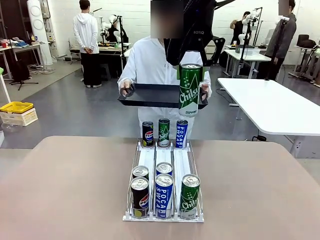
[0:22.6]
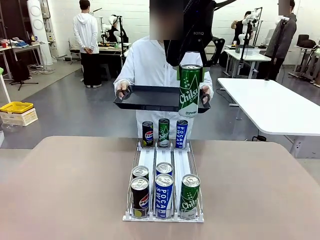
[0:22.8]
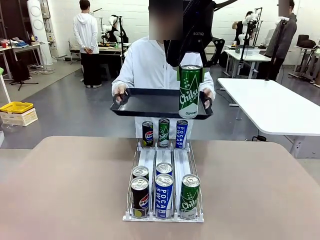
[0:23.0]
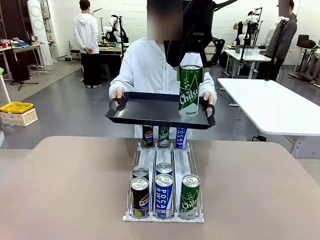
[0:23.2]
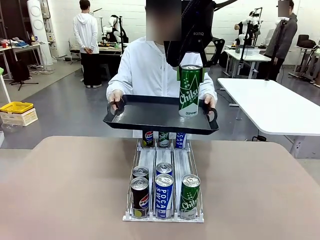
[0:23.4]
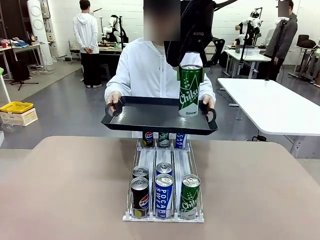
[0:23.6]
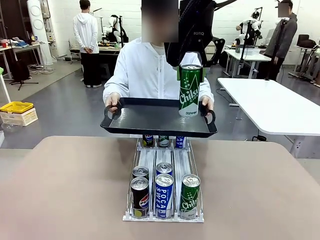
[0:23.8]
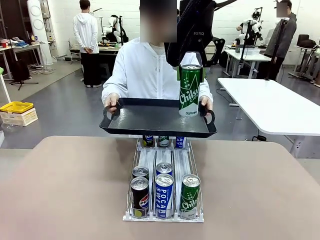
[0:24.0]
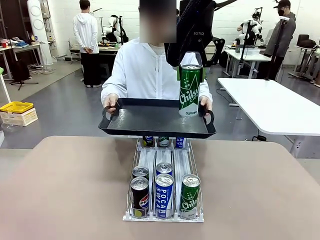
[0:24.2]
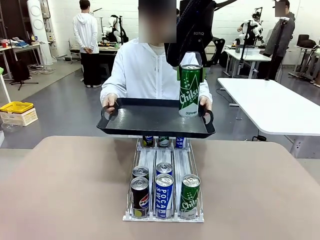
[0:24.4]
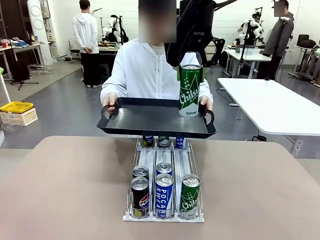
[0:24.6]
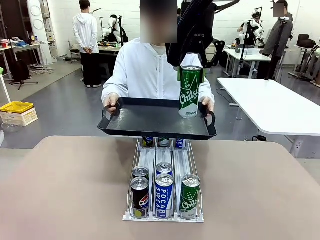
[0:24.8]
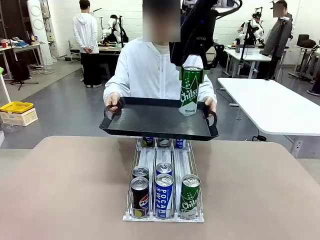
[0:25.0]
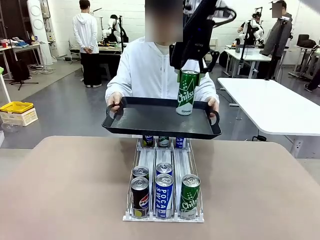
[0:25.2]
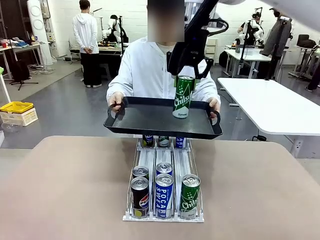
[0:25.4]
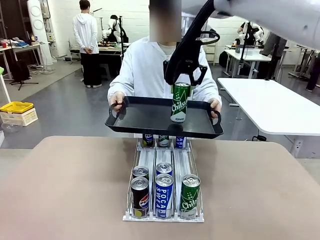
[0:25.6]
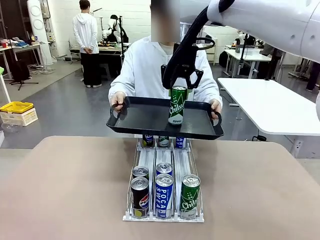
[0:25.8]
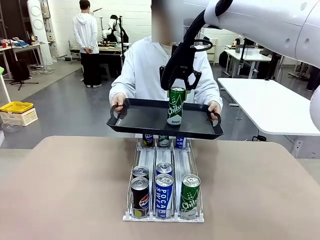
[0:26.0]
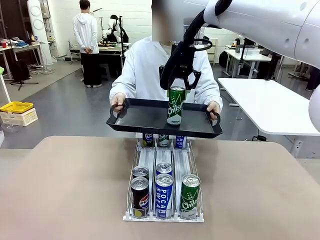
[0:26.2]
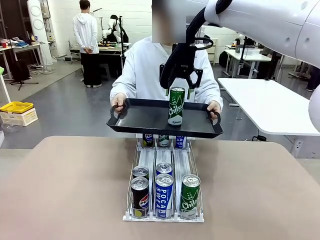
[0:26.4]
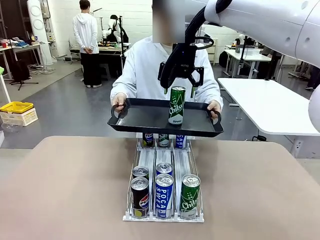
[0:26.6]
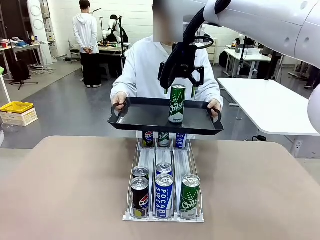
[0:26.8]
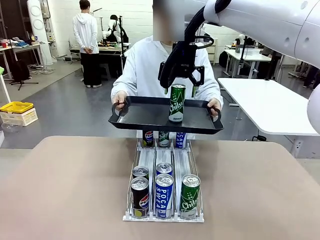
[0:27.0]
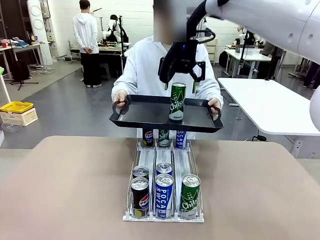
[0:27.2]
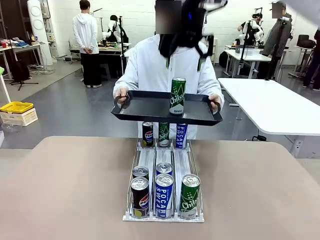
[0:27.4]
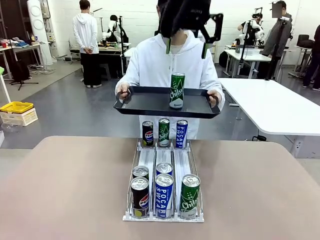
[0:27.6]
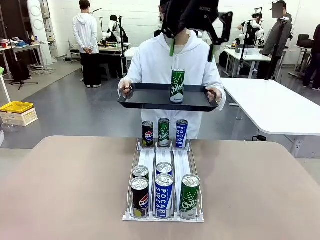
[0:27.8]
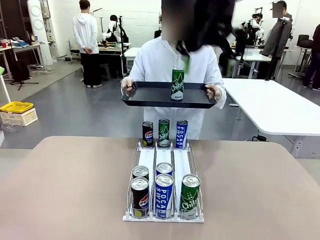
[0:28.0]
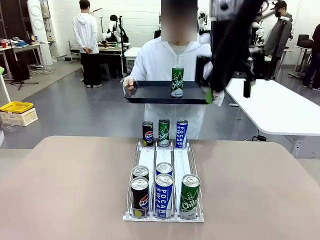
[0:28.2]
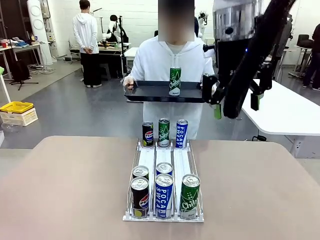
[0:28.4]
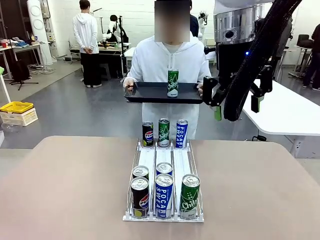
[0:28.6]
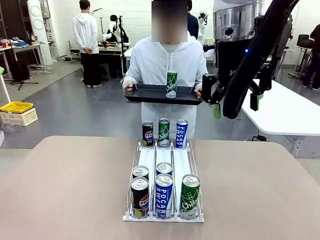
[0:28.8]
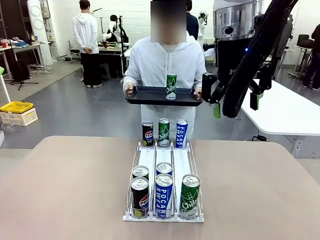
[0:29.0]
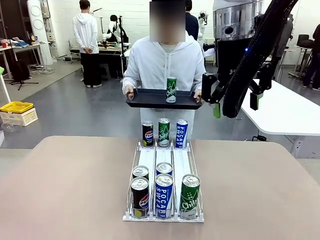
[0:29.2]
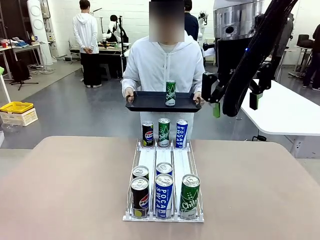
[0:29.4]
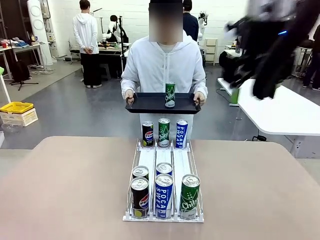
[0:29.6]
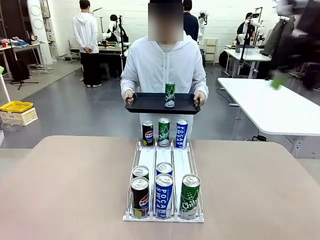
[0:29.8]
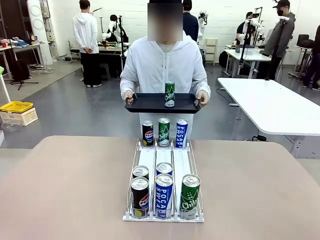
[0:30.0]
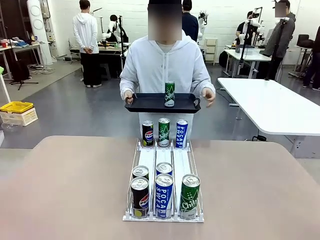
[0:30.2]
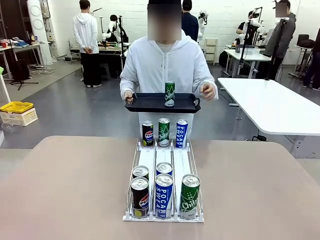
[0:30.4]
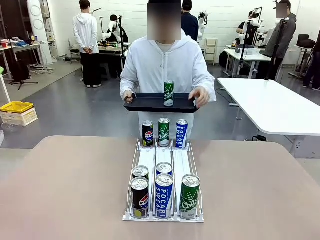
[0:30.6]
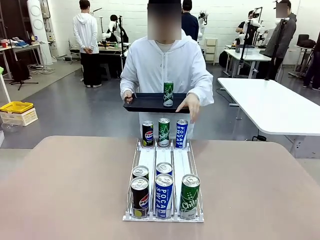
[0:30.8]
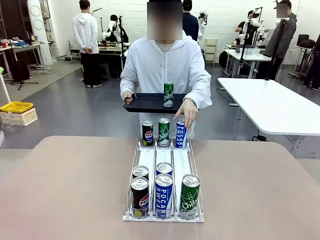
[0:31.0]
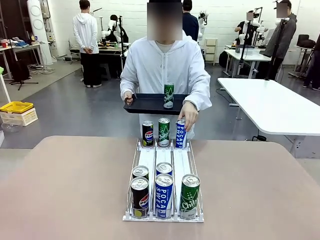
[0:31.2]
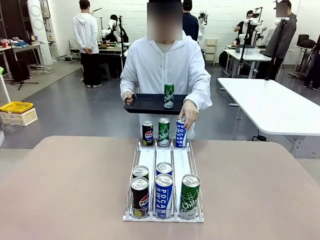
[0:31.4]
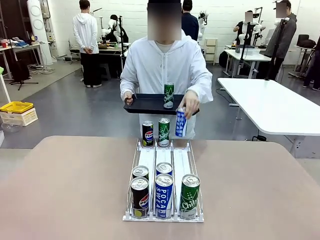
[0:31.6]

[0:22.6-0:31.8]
Task: Retrieve and hand over the desired beverage to the person.
Robot: Place the picked can on the Handle tray extended by the person.
Person: Pull the tray back, then pick up another can from the bottom area of the table and puts it back in its original place.

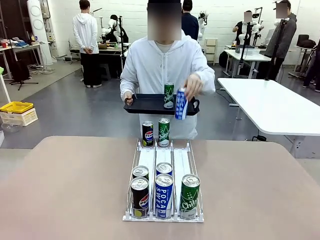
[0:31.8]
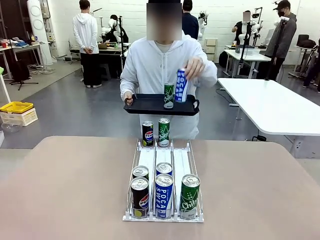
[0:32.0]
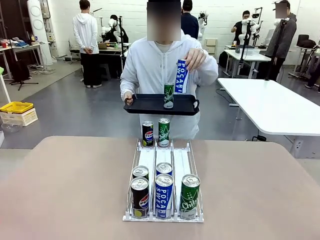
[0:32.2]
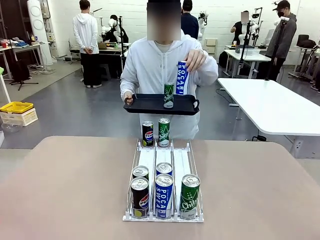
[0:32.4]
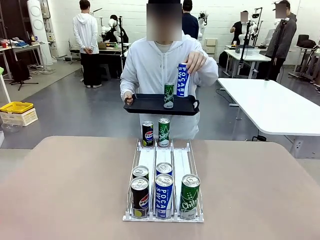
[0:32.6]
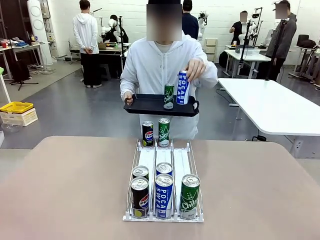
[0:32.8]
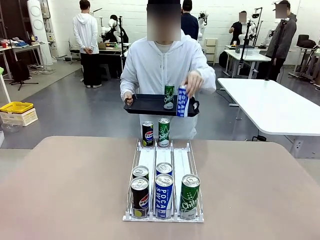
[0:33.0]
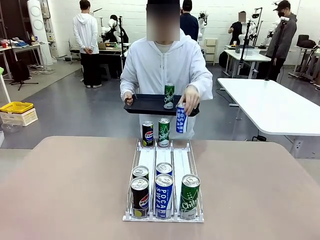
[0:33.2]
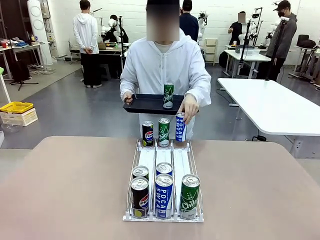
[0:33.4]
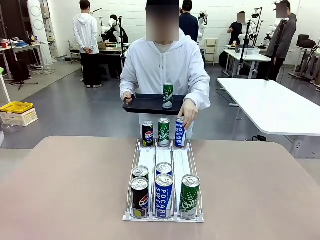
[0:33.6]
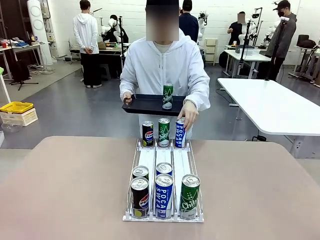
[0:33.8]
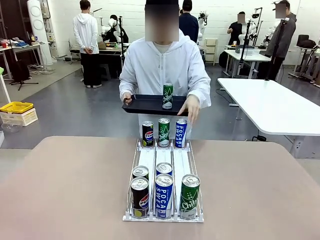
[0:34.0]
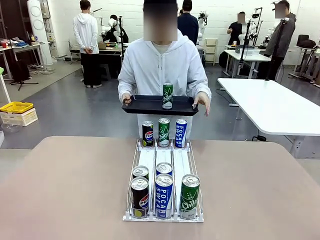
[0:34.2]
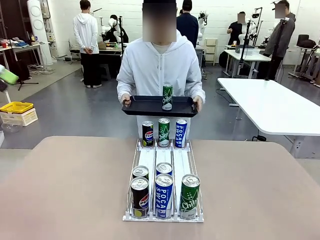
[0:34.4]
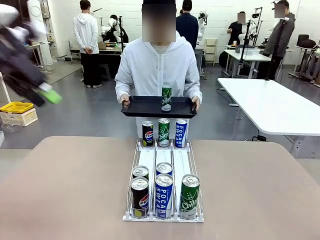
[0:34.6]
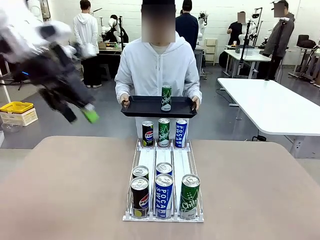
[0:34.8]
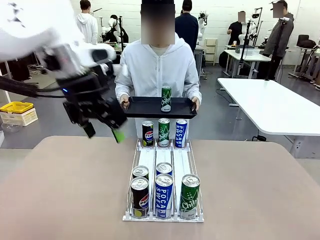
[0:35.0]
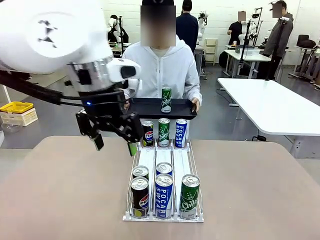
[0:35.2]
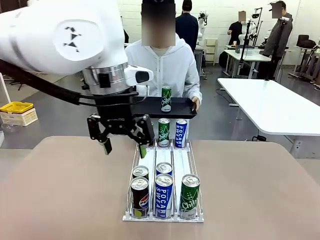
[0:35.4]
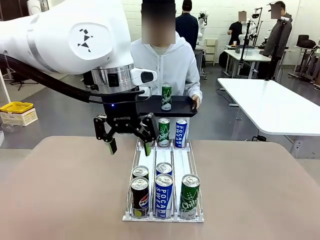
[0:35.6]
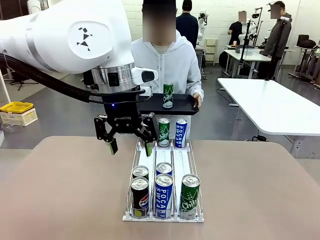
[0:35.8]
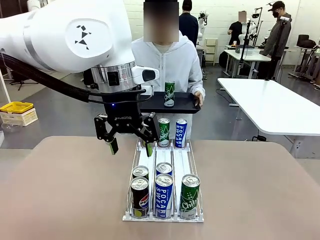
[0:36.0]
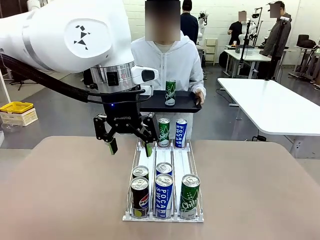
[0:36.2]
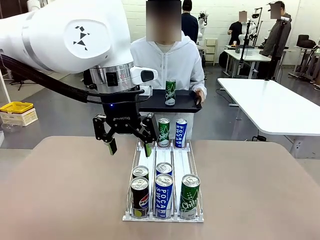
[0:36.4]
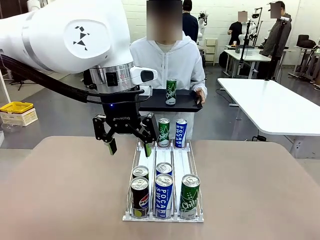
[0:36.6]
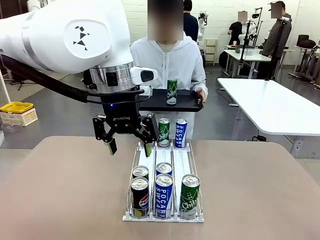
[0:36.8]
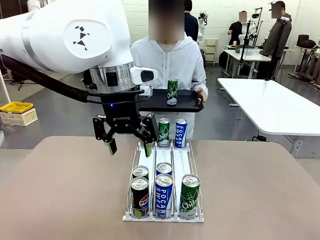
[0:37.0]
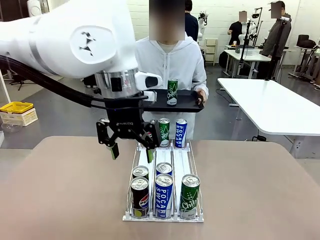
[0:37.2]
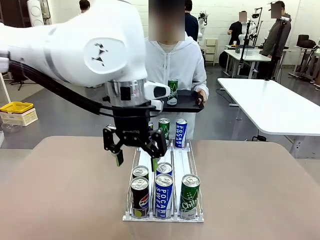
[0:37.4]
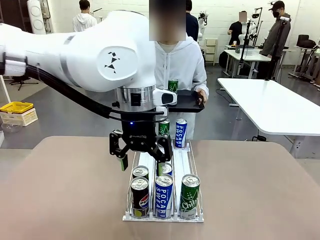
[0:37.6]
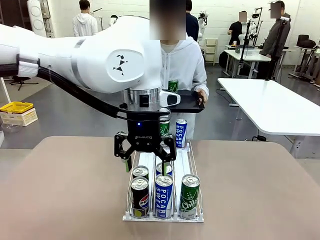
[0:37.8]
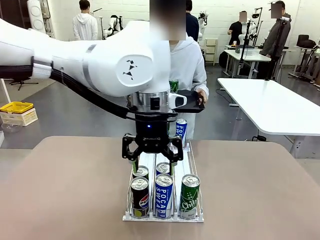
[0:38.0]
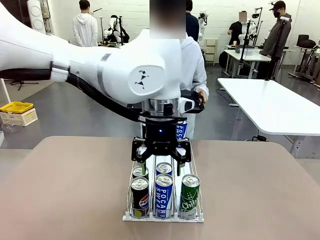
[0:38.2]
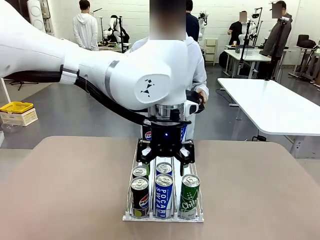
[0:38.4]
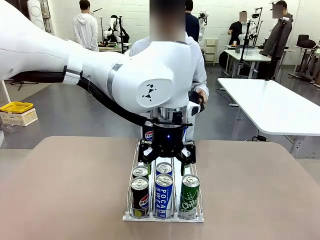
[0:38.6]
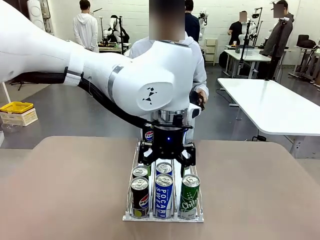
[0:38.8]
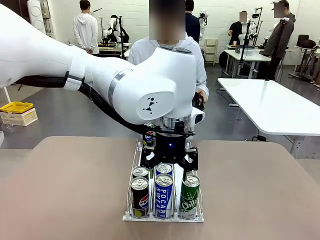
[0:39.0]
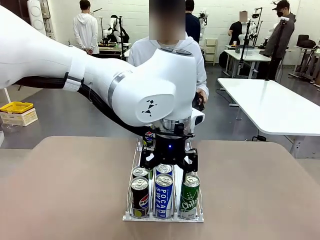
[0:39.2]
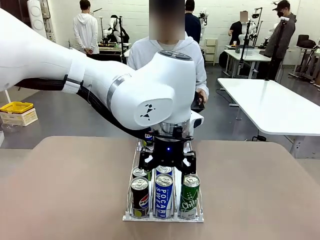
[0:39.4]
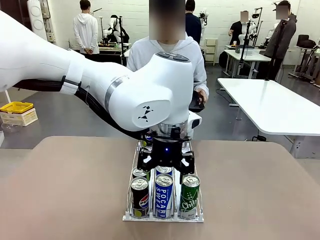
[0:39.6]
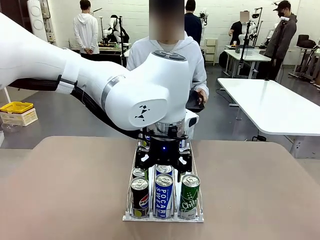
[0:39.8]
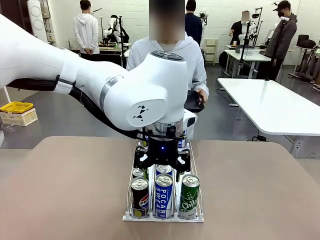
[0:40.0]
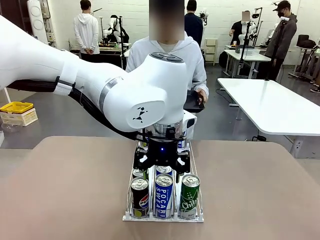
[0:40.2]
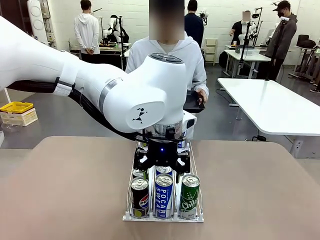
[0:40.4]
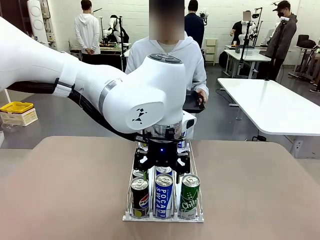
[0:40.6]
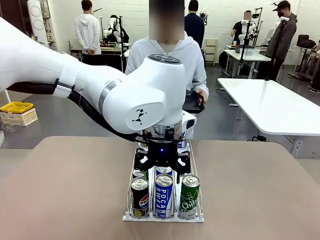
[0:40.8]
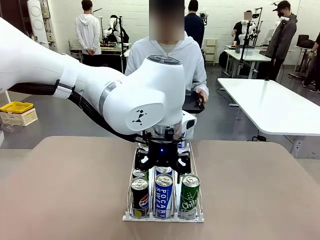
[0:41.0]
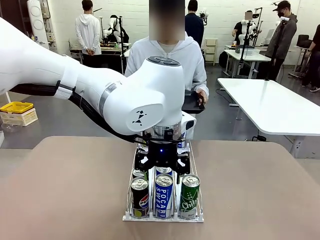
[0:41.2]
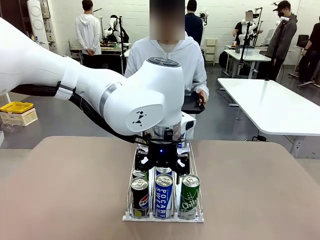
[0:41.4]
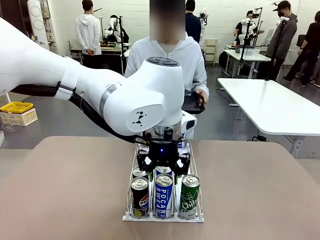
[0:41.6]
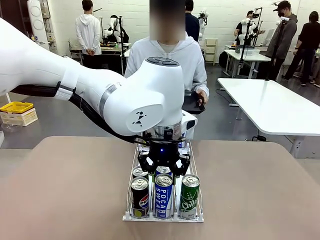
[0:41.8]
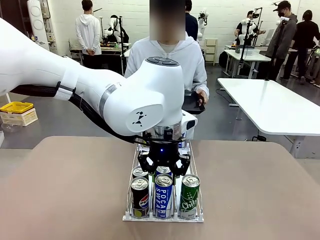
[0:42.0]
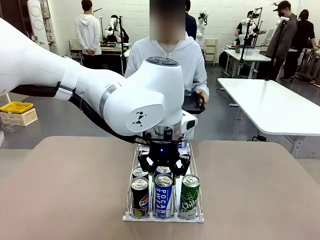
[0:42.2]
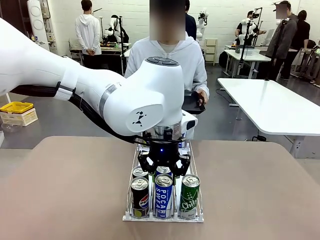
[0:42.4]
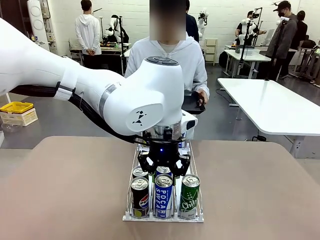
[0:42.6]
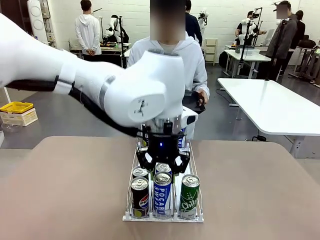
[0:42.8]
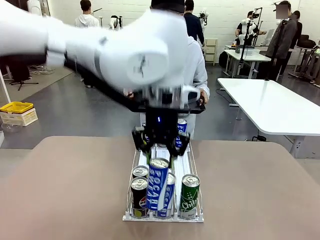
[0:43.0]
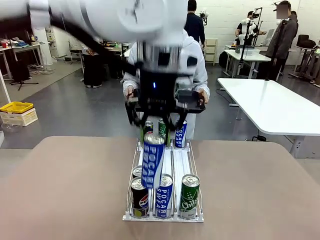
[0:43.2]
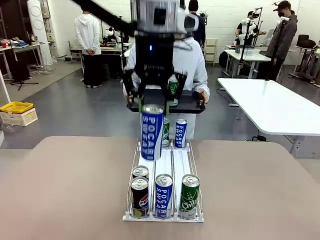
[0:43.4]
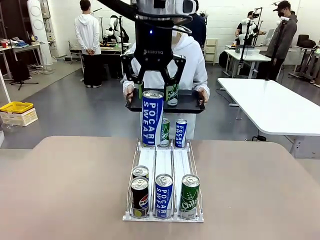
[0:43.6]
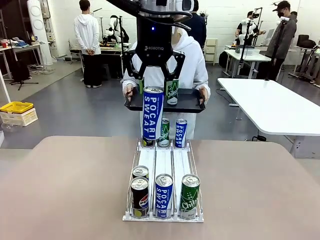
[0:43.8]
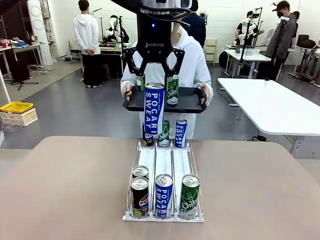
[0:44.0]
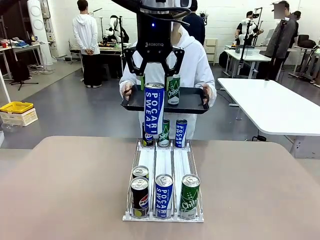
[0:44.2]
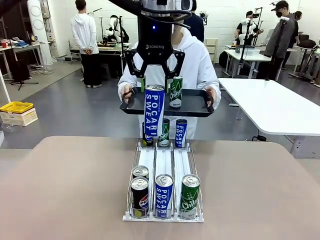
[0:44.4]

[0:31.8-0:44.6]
Robot: Pick up another can of the same type that the person held from the Automatic Can Dispenser.
Person: Push the tray toward the robot again.
